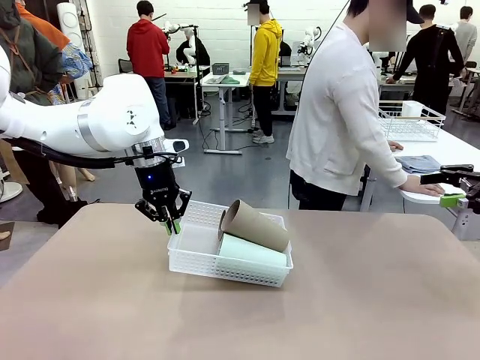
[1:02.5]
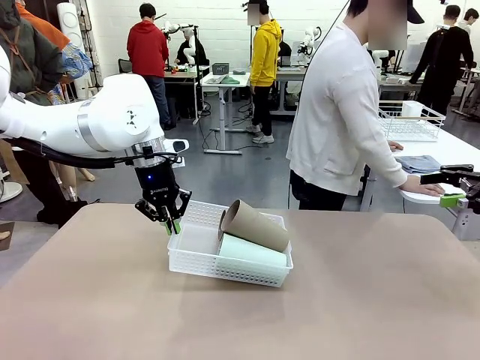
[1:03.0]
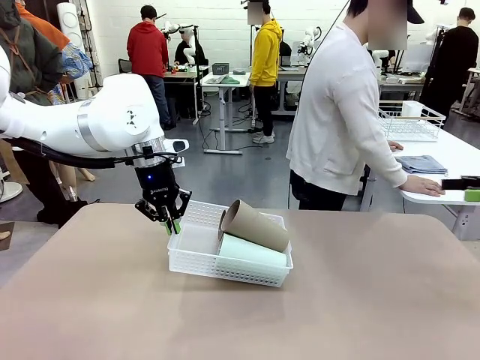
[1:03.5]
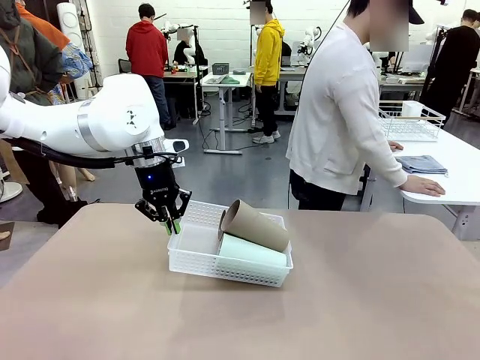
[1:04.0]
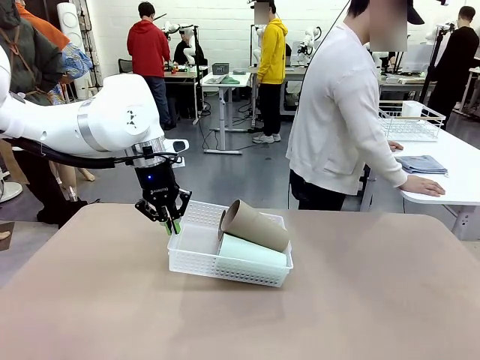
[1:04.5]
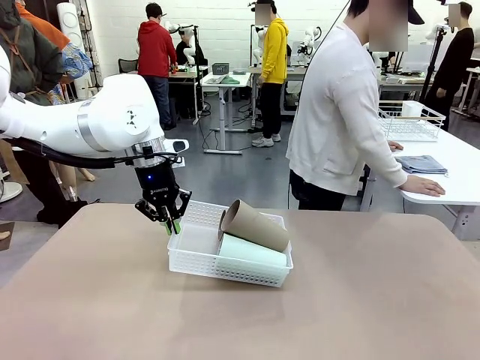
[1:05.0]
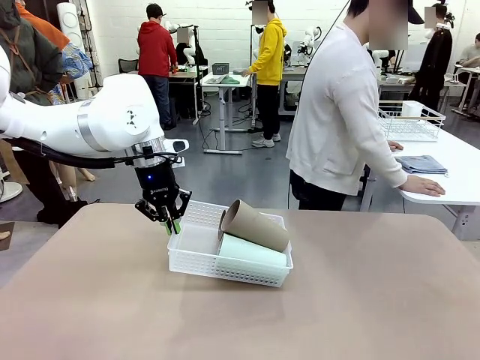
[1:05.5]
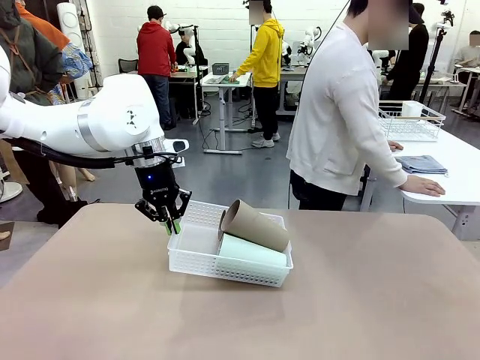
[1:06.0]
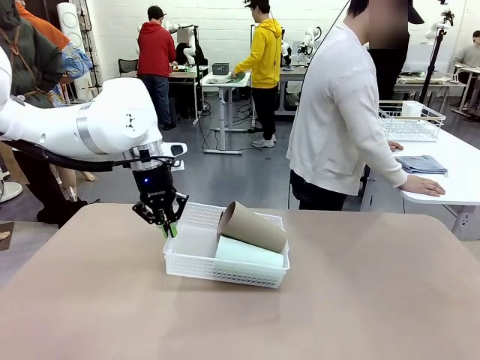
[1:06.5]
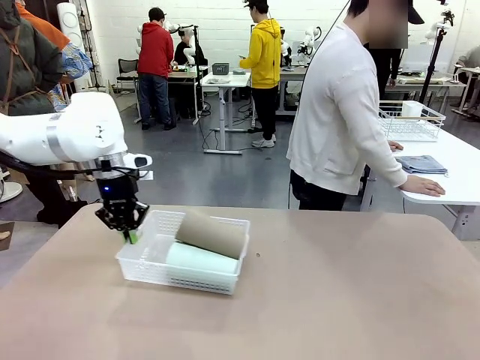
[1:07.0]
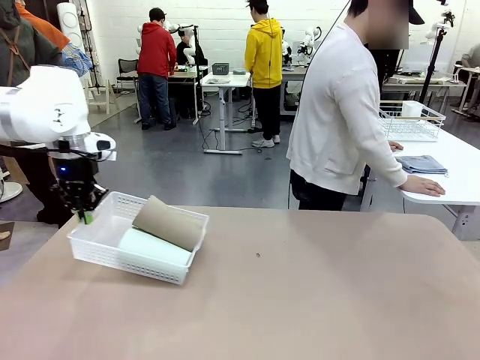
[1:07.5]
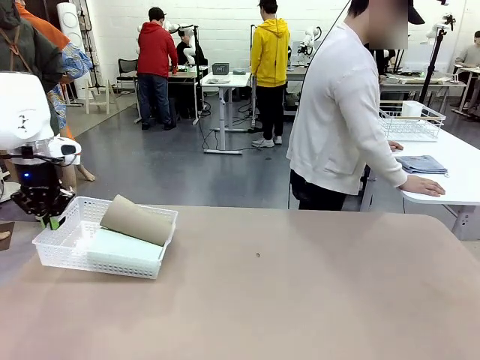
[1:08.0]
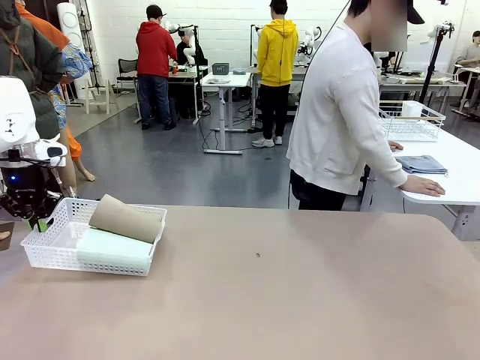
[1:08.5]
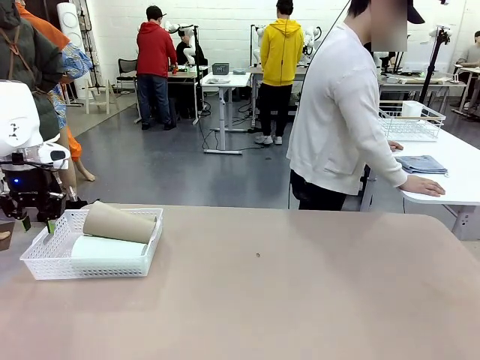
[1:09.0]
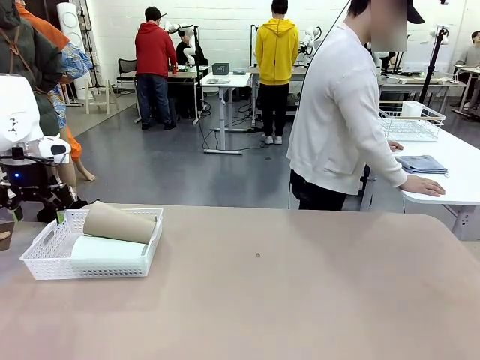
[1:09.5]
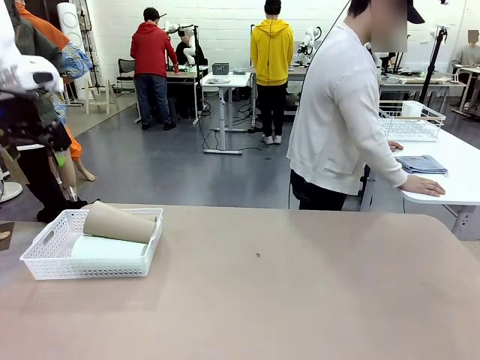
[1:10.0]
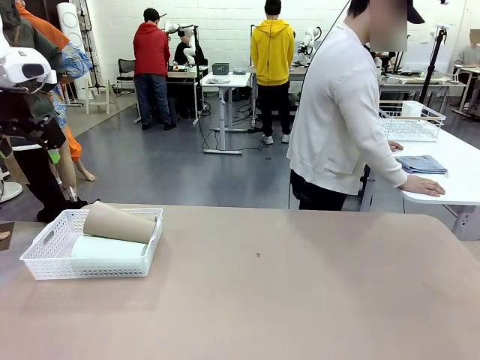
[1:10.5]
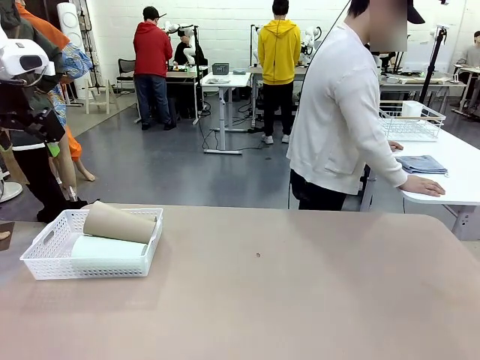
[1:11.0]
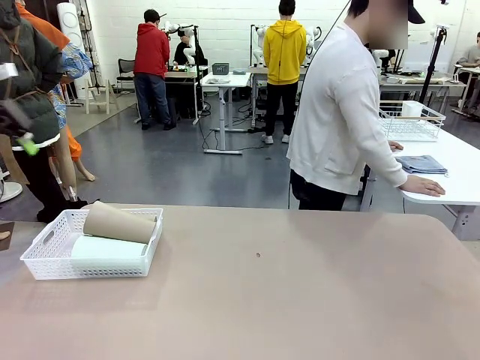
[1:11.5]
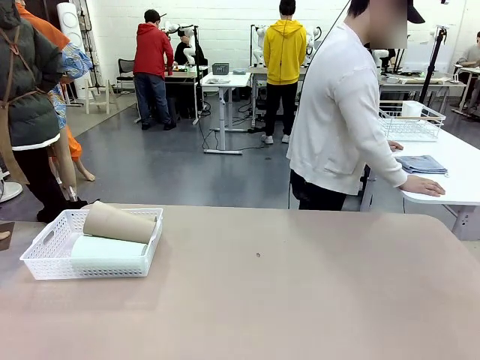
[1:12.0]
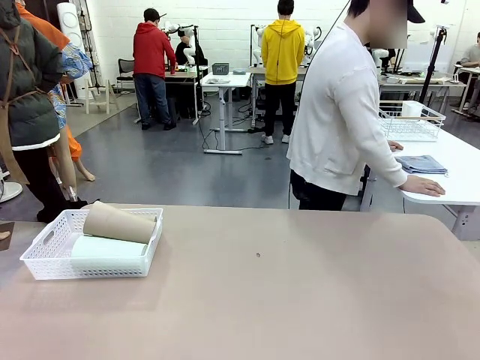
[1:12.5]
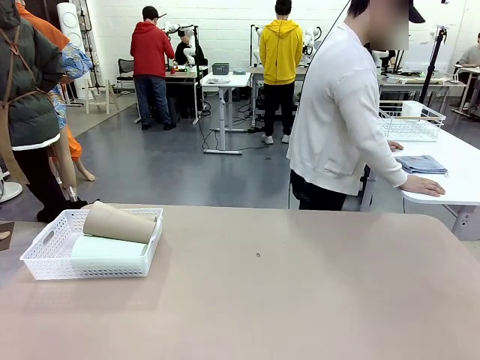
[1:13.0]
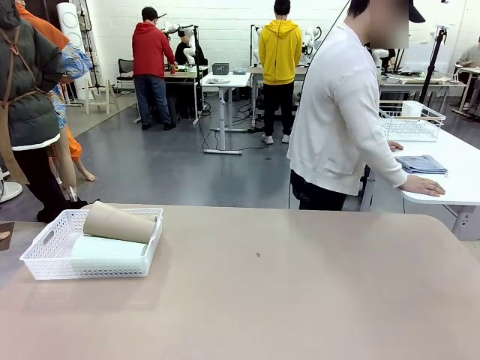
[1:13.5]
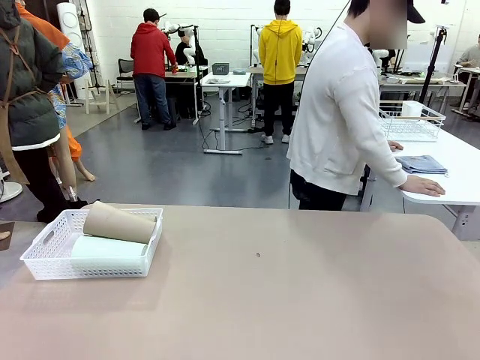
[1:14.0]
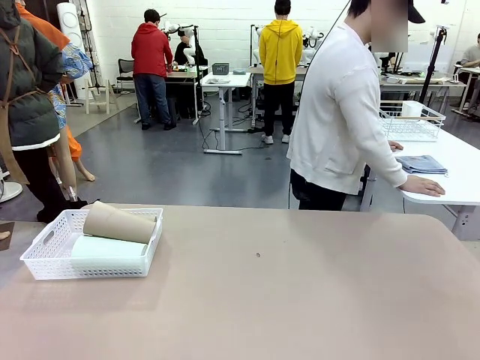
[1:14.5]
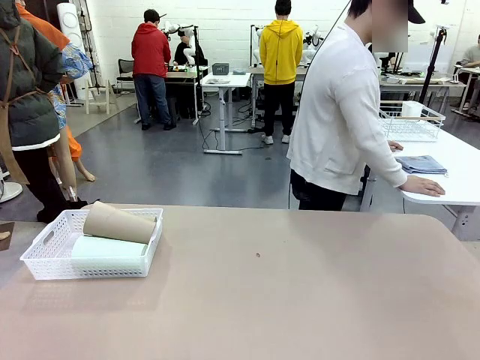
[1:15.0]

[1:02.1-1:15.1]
Task: Clean and organize the cups into the basket.
Robot: Move the Organizing basket back to the left side of the table.

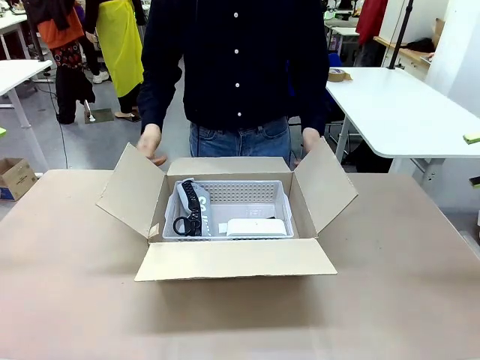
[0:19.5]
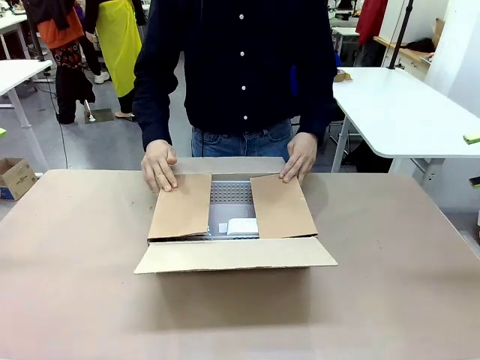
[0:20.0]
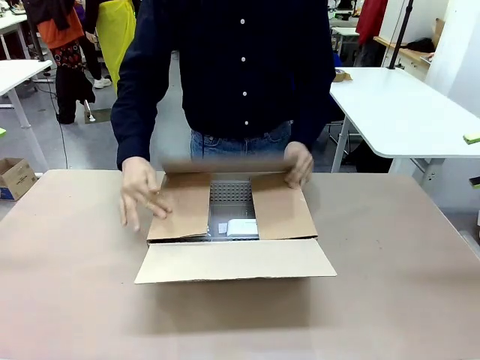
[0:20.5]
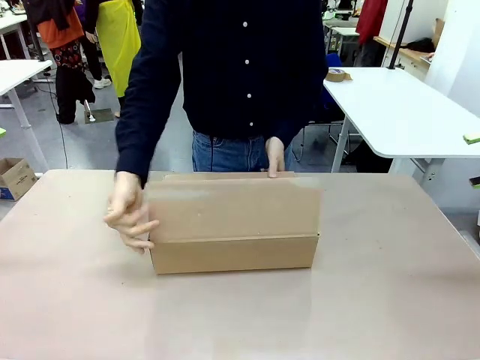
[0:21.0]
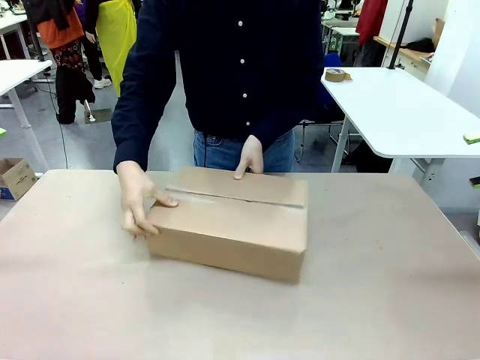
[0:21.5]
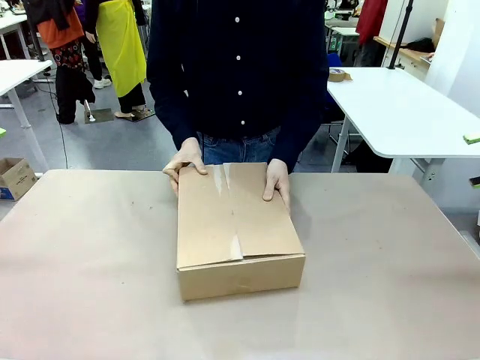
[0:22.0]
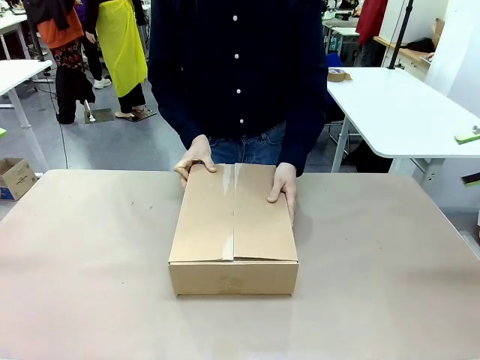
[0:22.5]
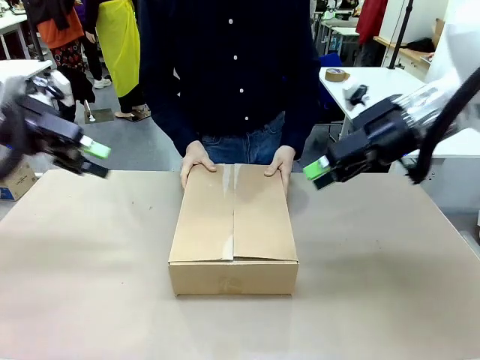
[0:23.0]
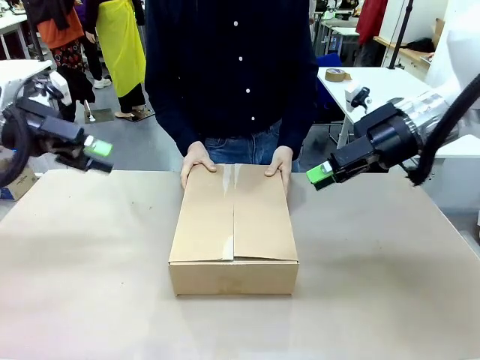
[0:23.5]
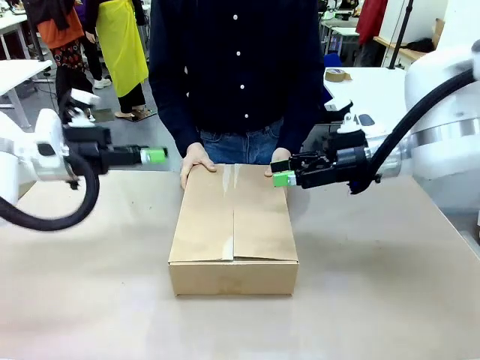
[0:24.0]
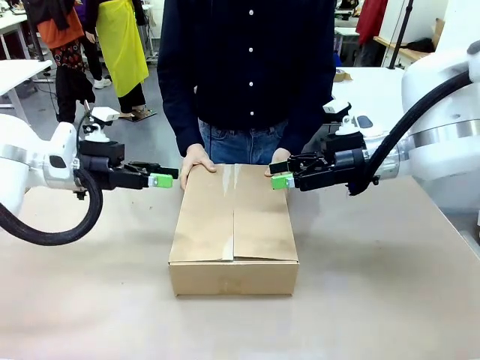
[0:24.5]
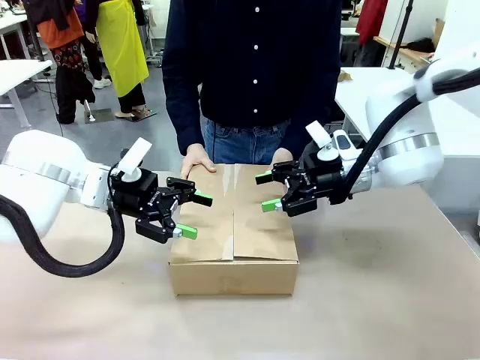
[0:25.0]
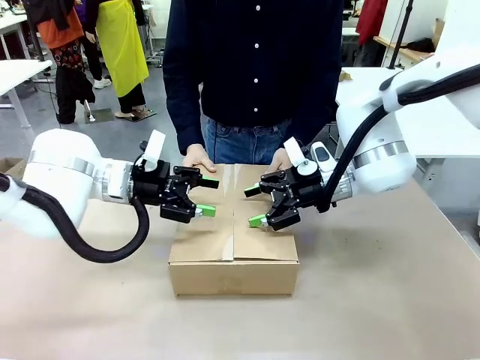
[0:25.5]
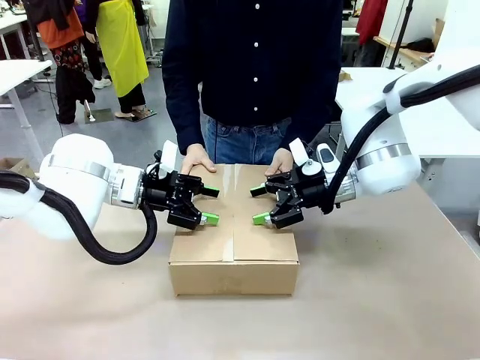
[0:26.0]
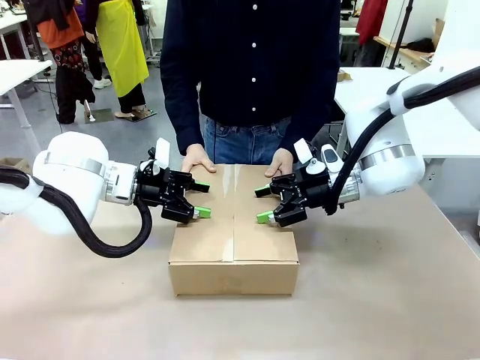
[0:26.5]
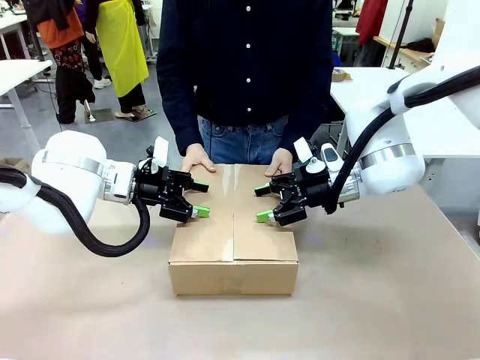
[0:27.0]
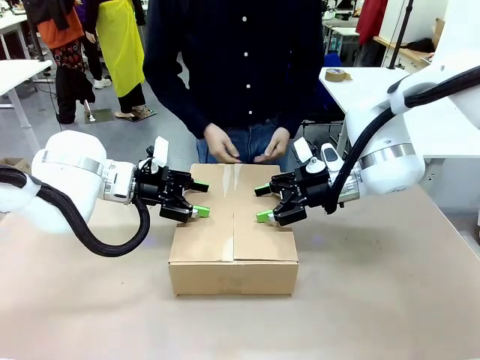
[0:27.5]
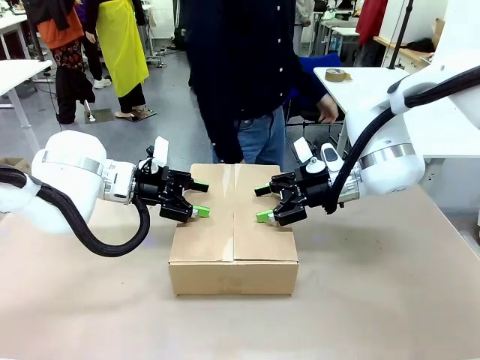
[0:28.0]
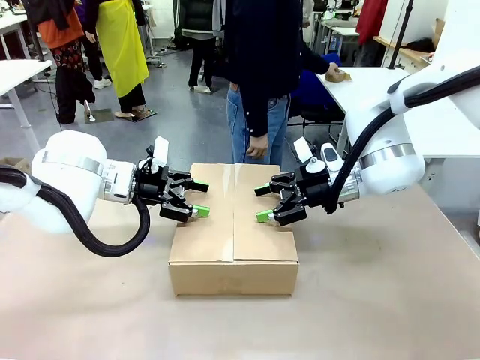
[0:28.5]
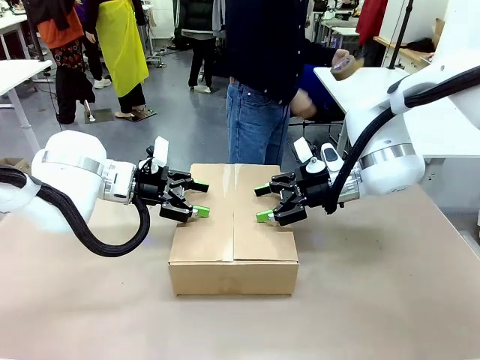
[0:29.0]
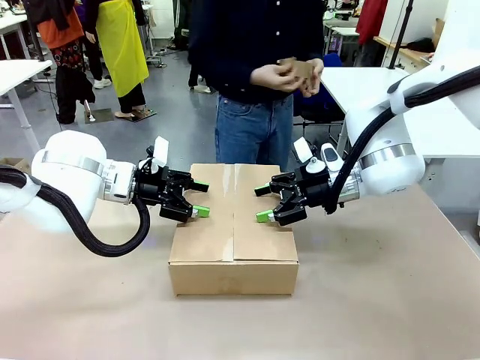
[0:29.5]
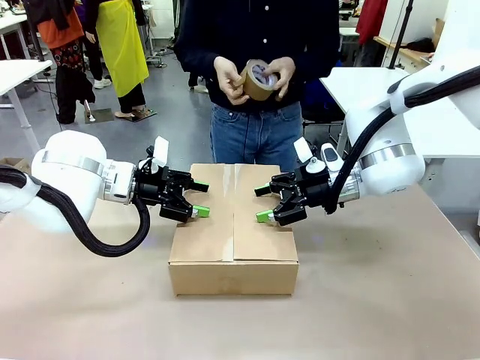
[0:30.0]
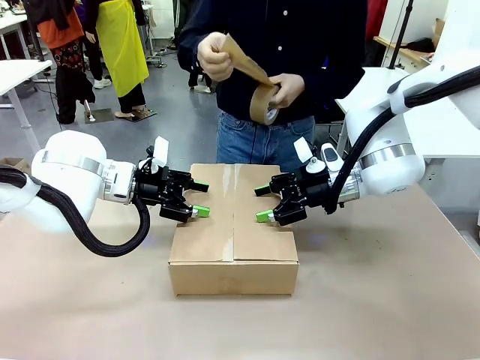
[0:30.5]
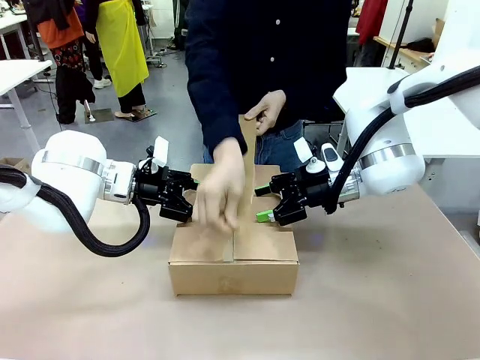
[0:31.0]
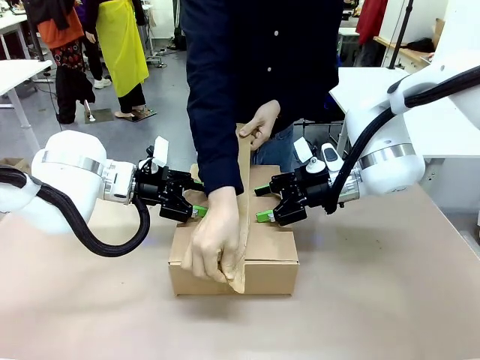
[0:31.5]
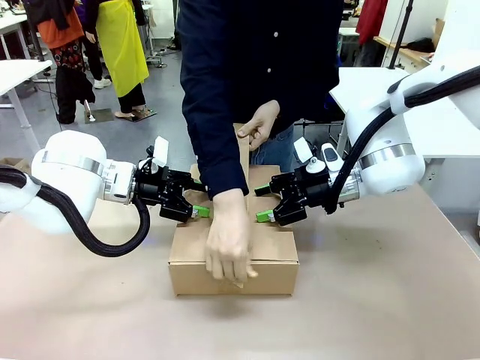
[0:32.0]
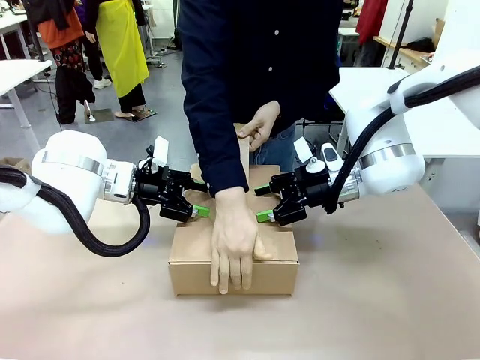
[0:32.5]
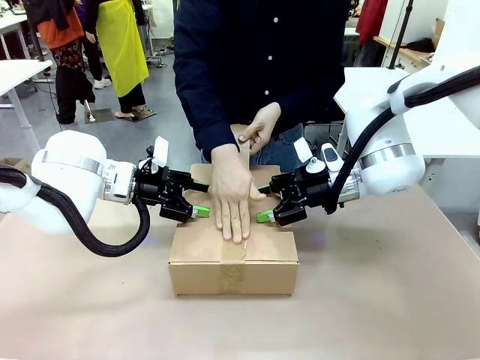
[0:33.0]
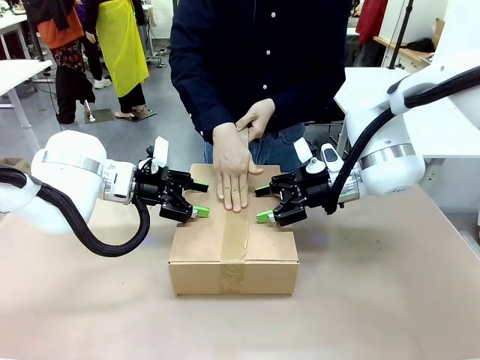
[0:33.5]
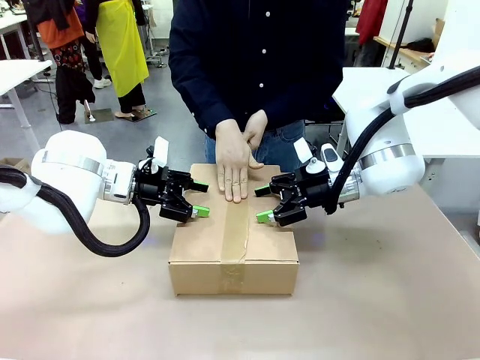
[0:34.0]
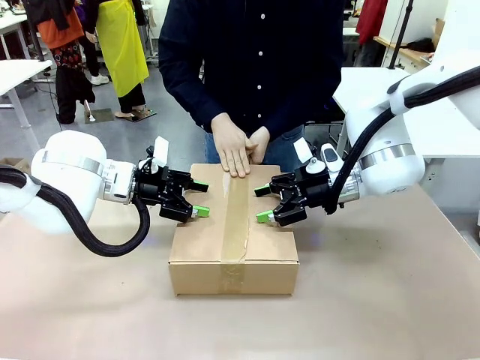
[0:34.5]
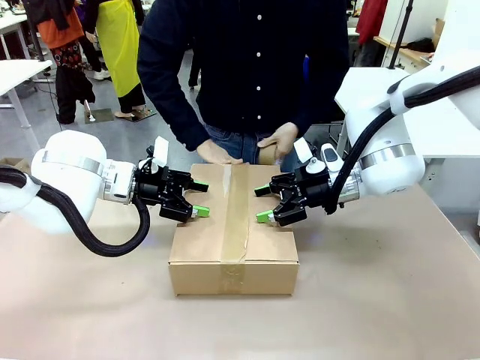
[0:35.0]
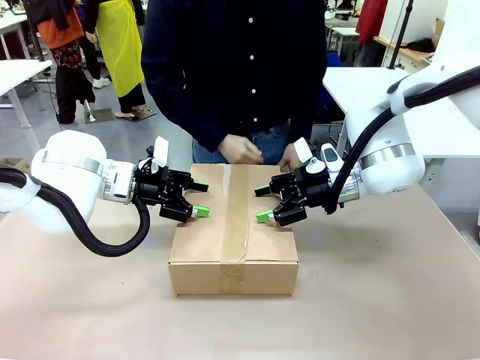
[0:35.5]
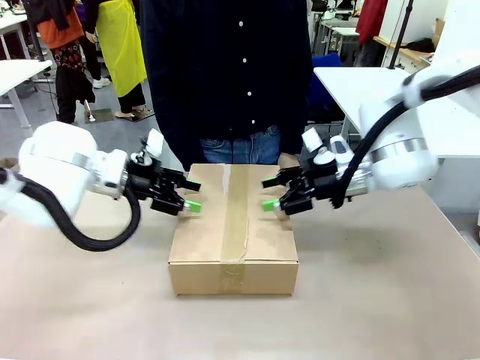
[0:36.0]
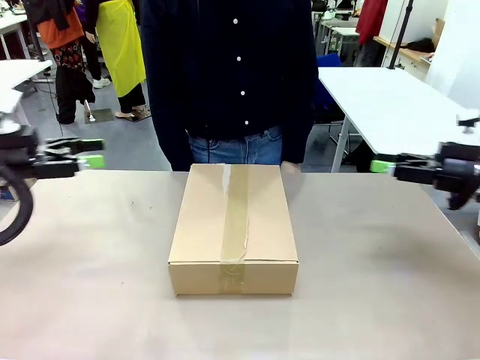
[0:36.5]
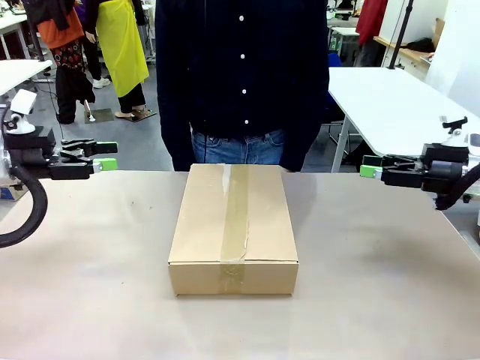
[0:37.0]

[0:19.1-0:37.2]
Task: Pack the gift set into the box.
Robot: Press and hold the closed box until the human finishes sealing it.
Person: The human closes the box and rotates the box by 90 degrees. The human picks up the paper tape from the human table and packs the box.
